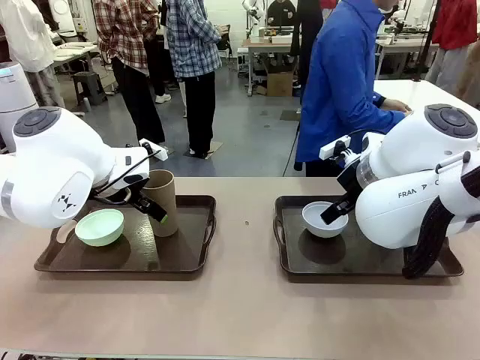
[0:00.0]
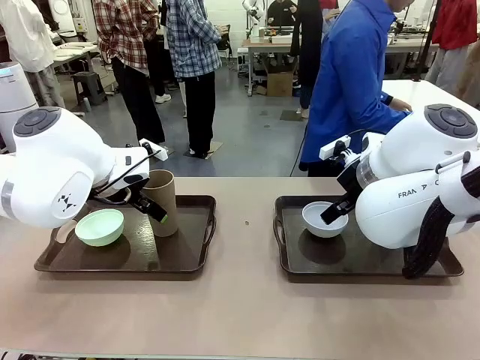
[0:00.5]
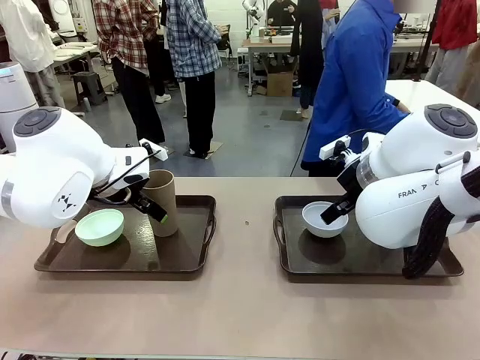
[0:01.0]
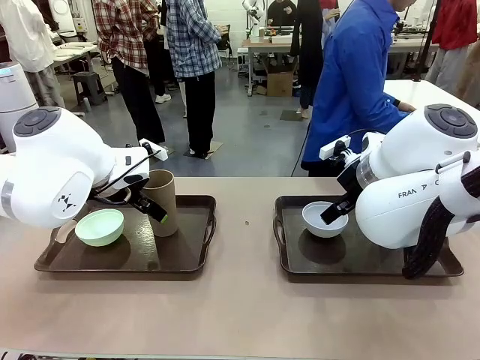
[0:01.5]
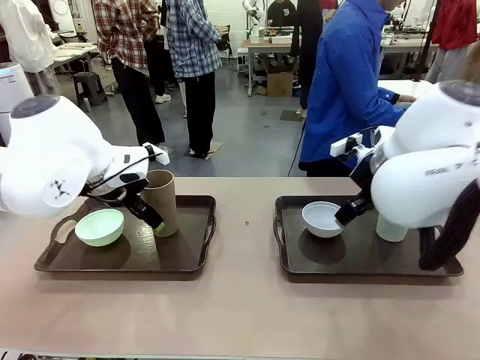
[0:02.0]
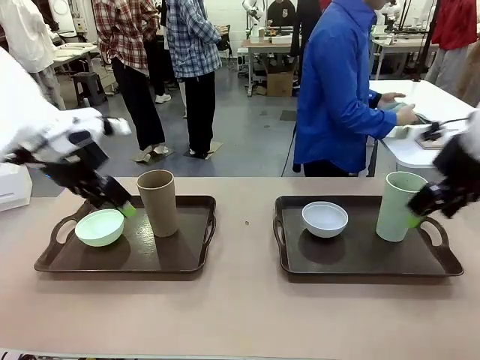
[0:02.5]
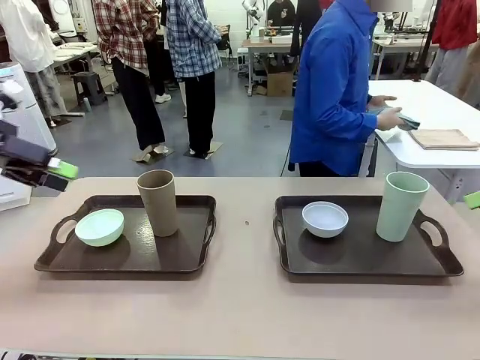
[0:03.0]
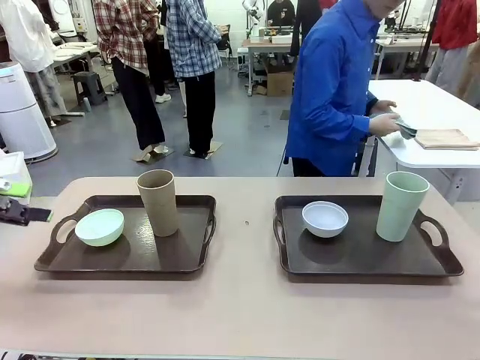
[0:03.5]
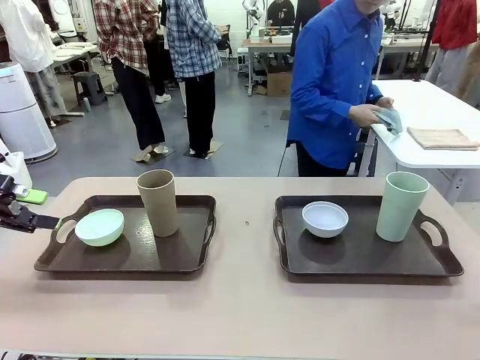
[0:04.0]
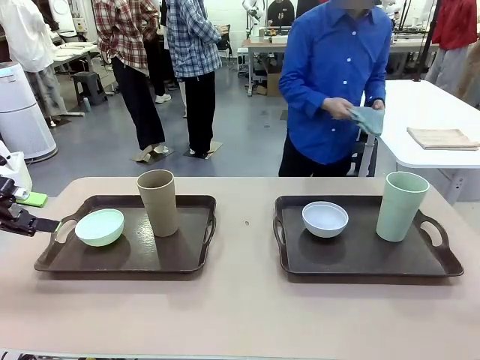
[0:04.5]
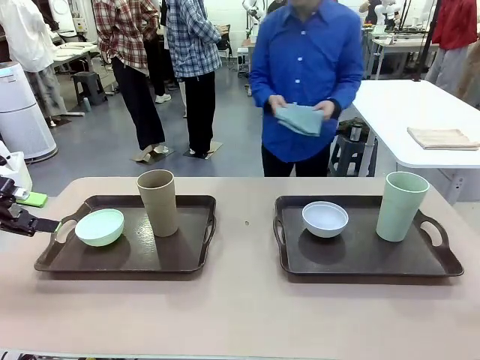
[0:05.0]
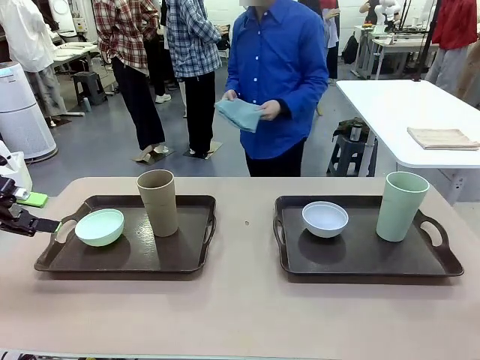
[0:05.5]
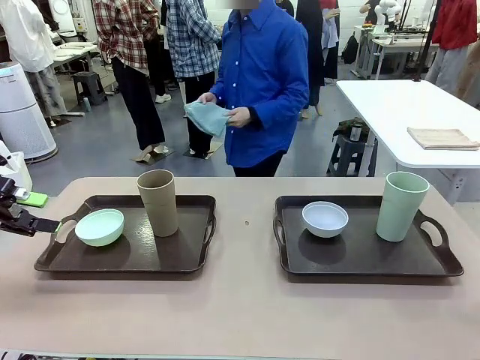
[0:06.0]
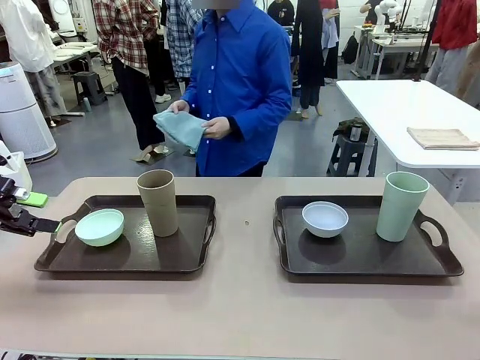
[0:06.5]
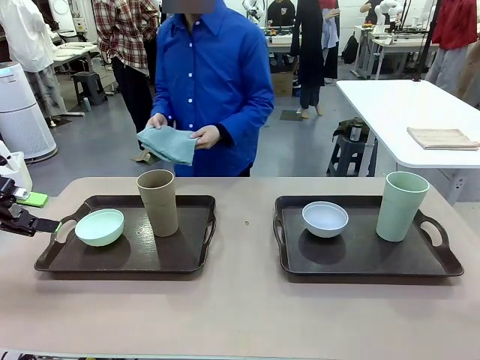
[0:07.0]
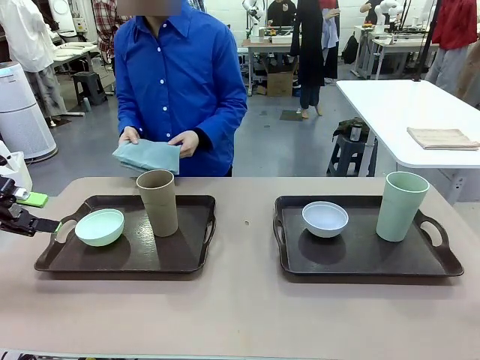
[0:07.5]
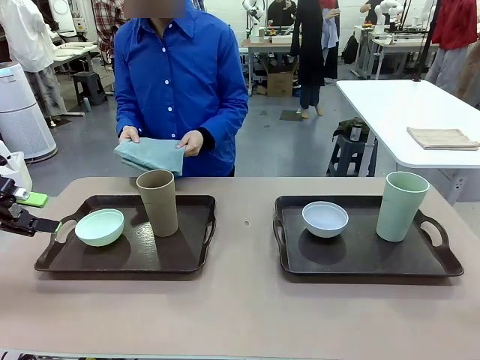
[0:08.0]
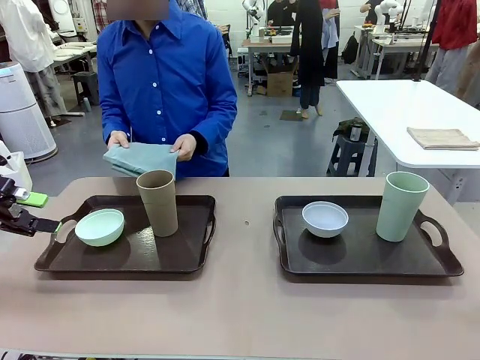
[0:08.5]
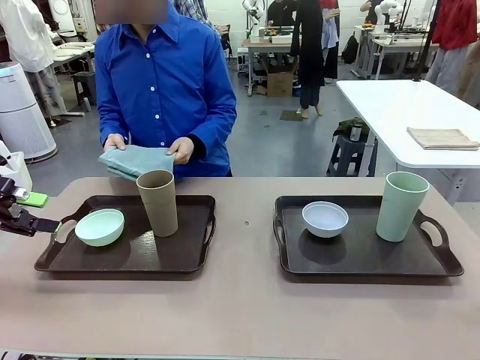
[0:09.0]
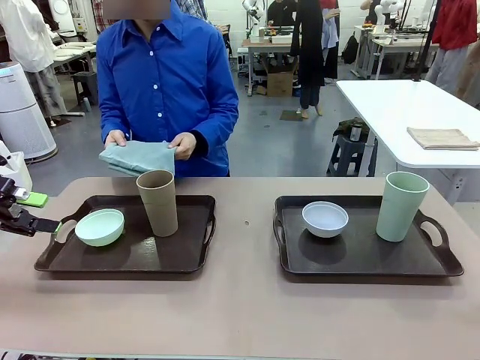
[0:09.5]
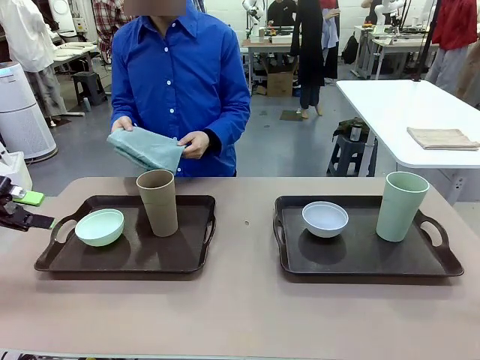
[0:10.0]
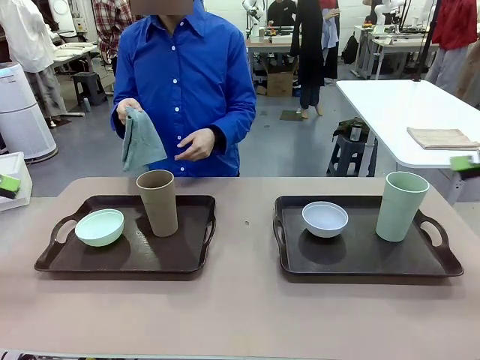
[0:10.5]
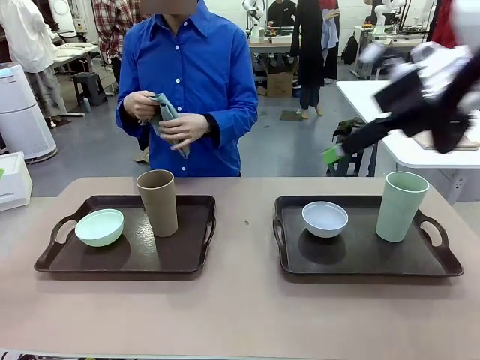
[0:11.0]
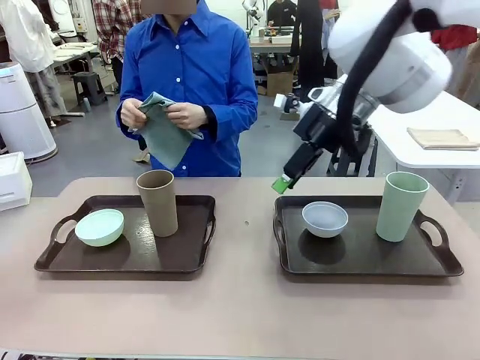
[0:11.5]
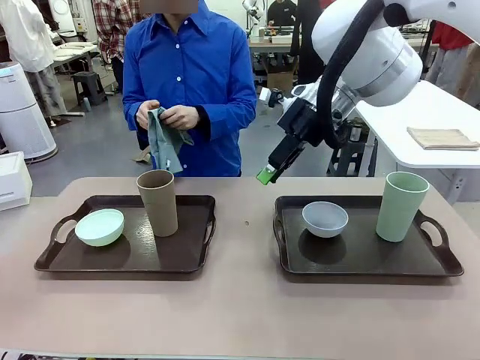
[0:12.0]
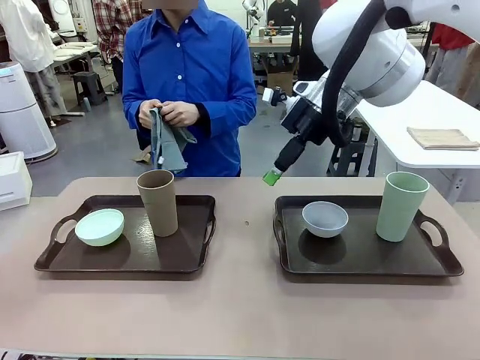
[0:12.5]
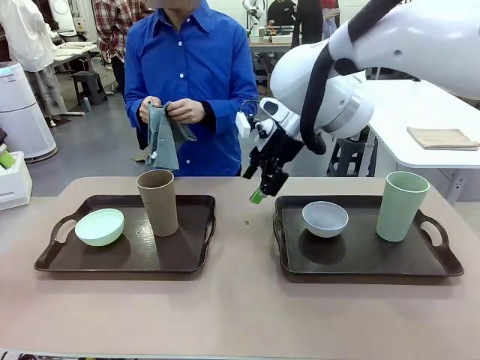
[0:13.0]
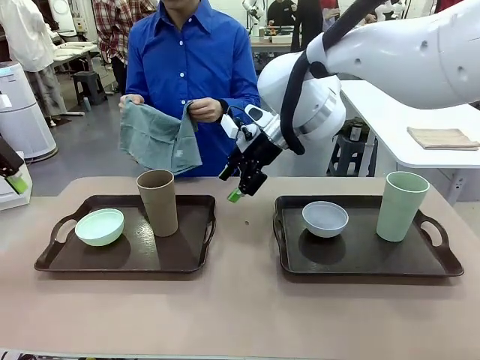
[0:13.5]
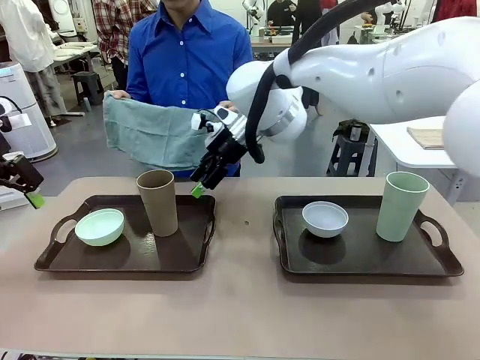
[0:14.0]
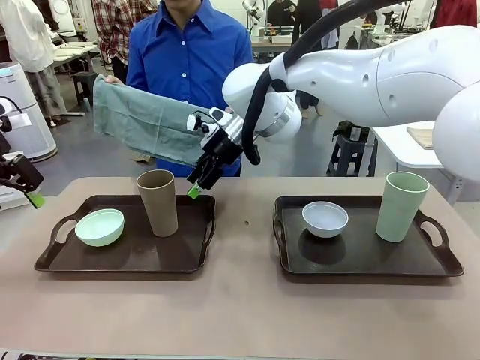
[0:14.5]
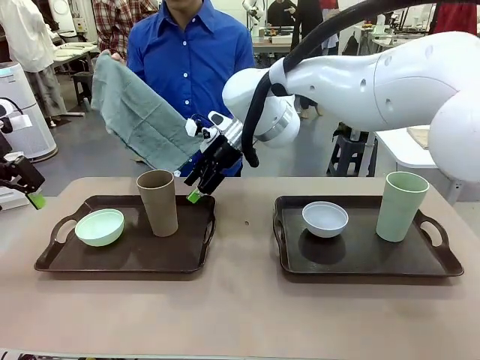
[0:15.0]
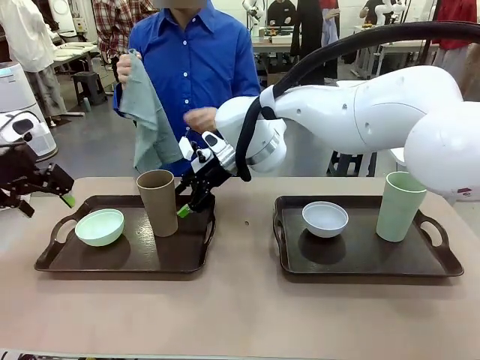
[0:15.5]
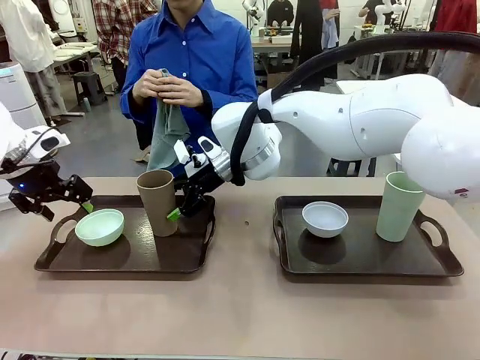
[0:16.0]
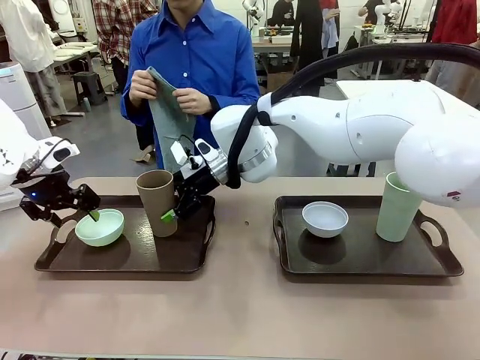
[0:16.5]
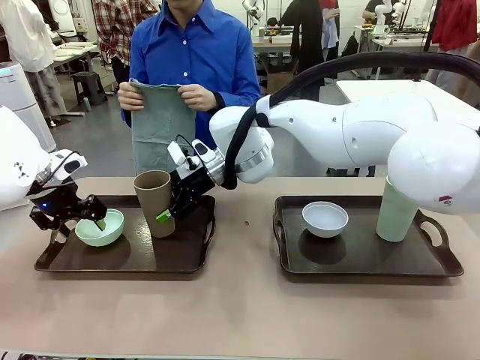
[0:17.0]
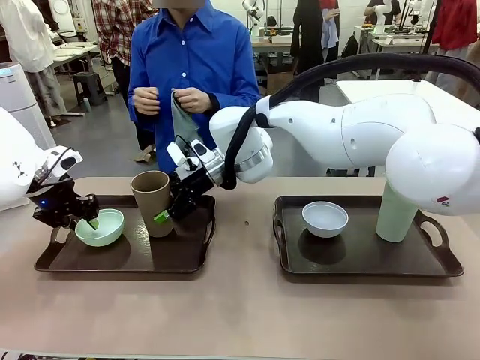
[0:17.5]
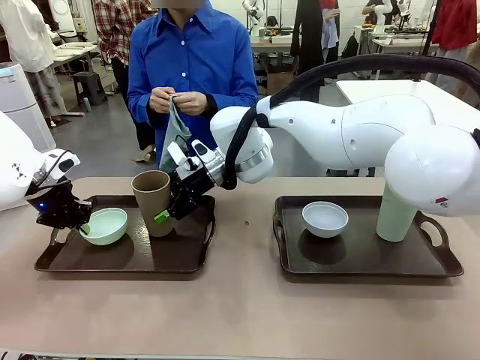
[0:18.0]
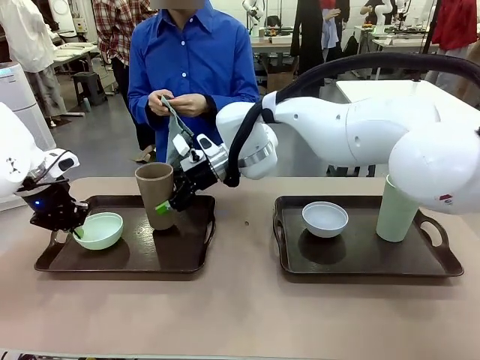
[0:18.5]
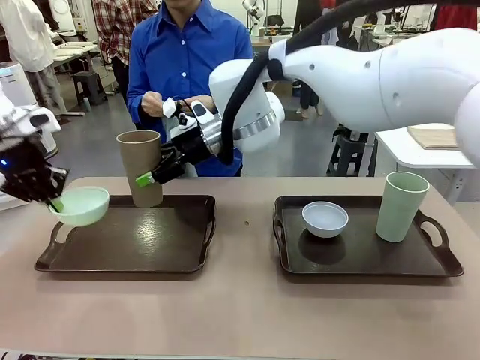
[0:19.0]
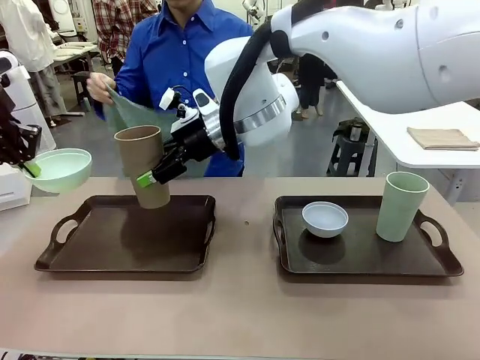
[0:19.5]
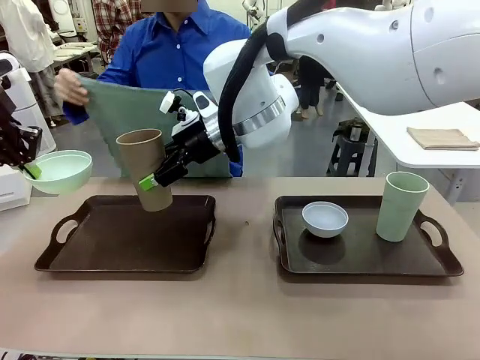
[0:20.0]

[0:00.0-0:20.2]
Robot: Pick up the Picnic Bowl and Reusable plastic cup from the Handle tray in front of the human's position and hold them in the air.
Person: The human picks up the top napkin from the stack on the human table and walks to the robot table to stand in front of one of the two trays. When the robot lifts the bowl and the cup, the human unfolds the napkin and lays the napkin flat on the tray.

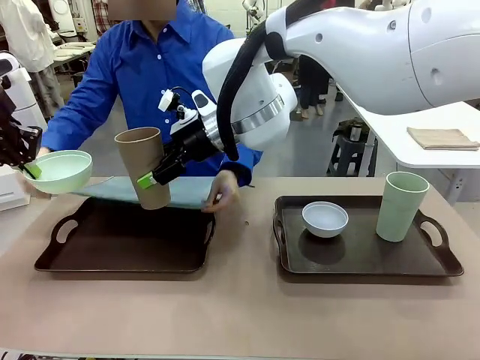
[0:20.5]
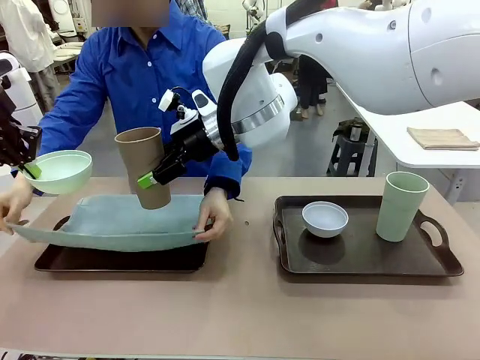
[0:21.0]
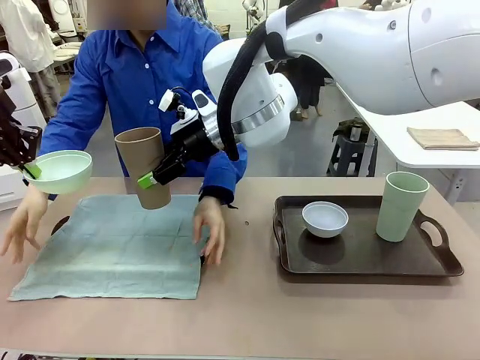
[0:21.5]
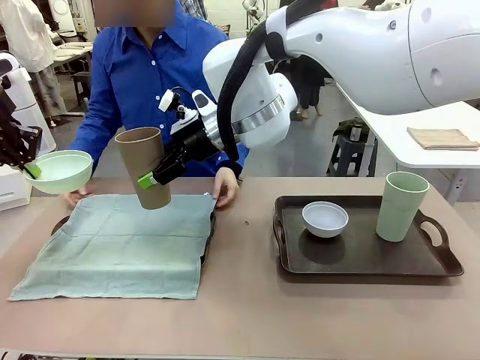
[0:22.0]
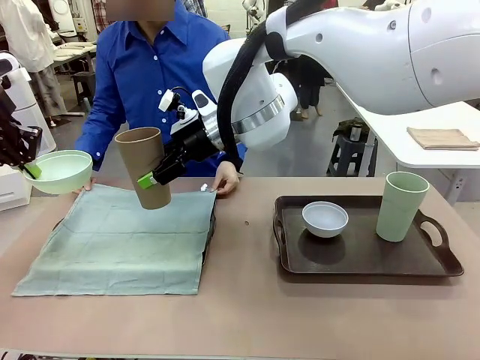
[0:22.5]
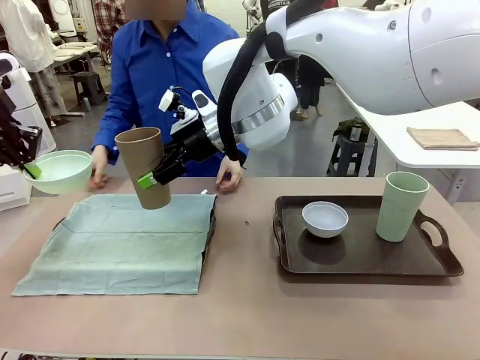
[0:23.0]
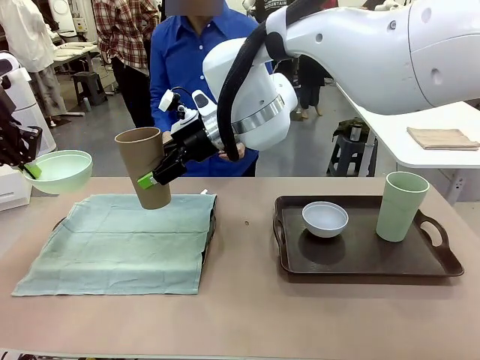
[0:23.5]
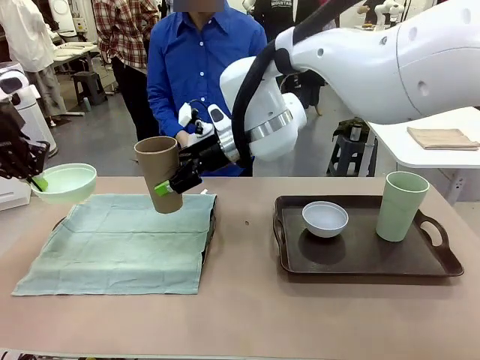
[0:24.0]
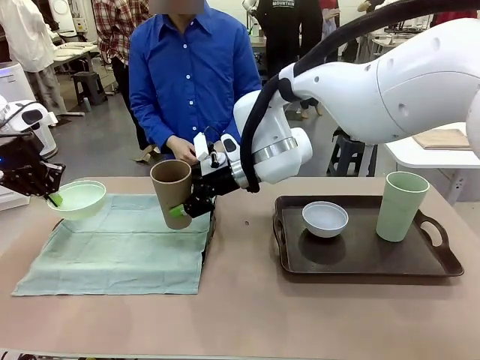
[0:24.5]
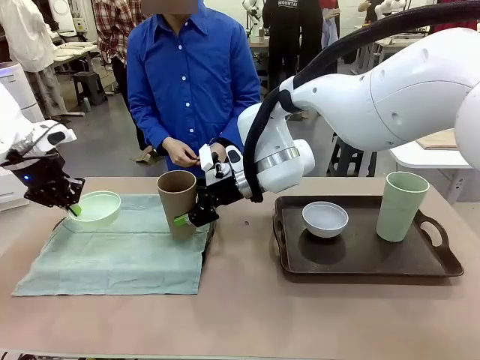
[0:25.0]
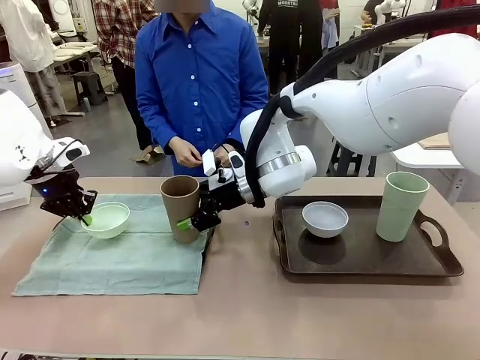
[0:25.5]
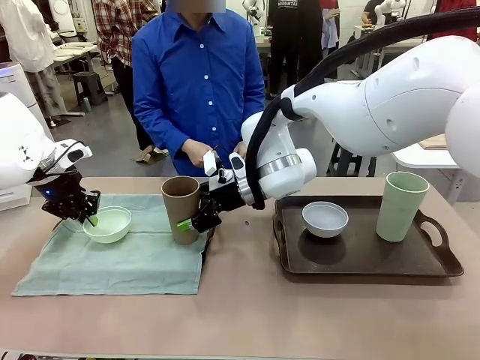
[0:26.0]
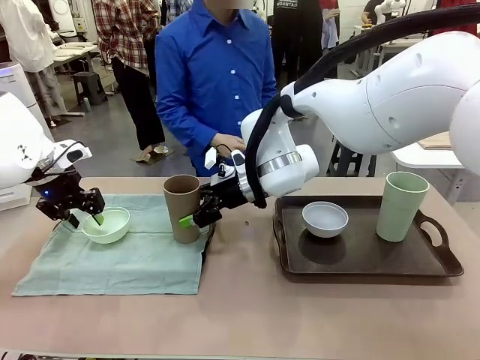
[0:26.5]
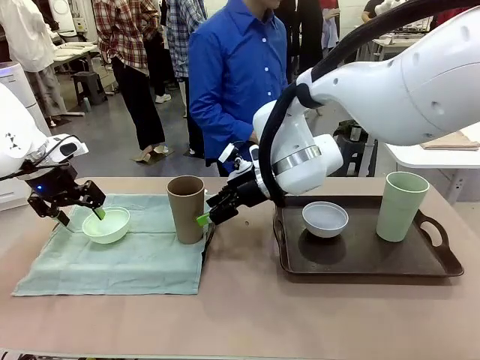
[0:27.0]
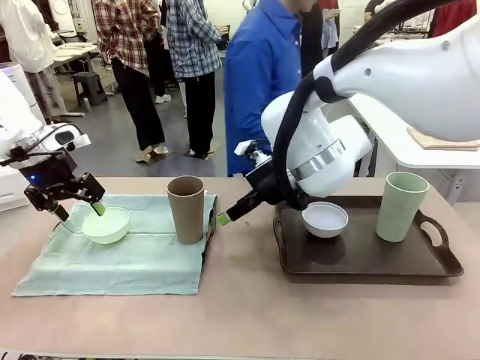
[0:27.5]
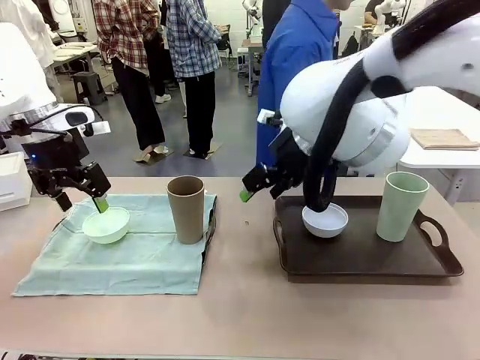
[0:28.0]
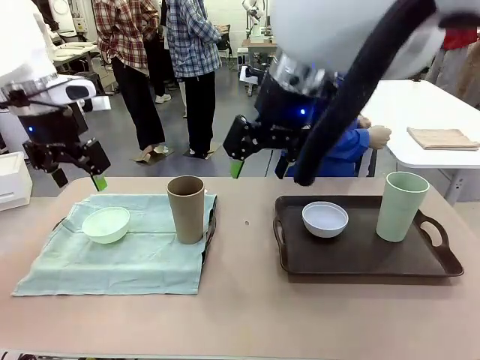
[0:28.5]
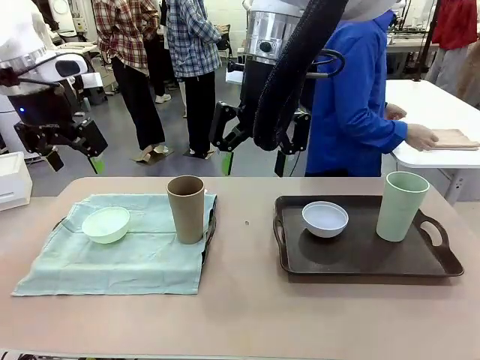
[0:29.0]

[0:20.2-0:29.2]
Robot: Place the Picnic Bowl and Reusable plastic cup back onto the Handle tray in front of the human's position.
